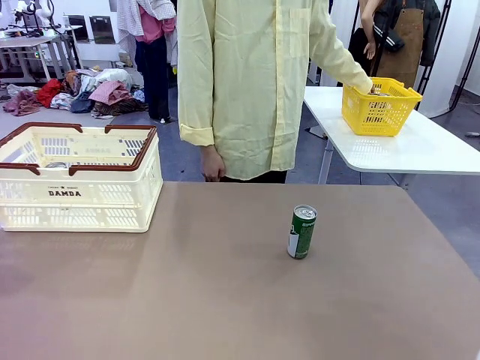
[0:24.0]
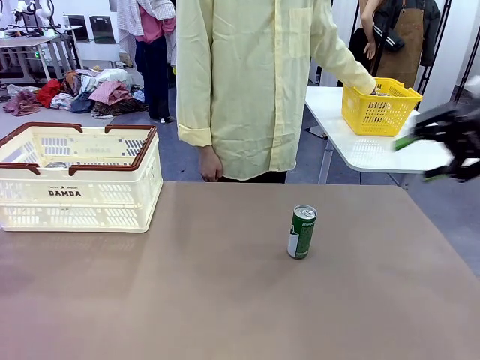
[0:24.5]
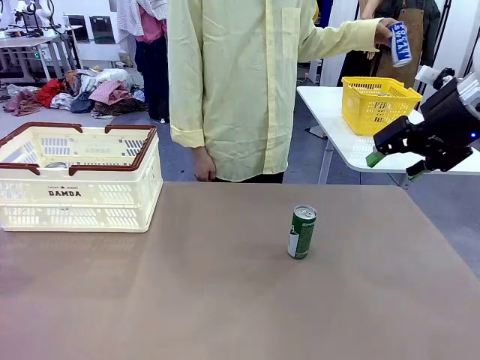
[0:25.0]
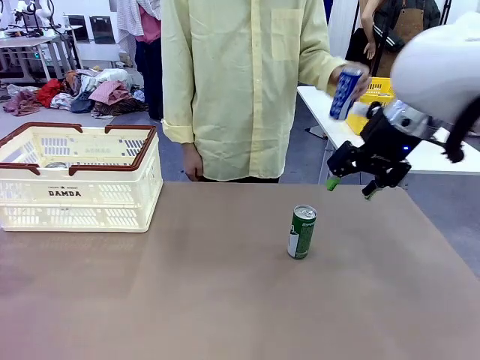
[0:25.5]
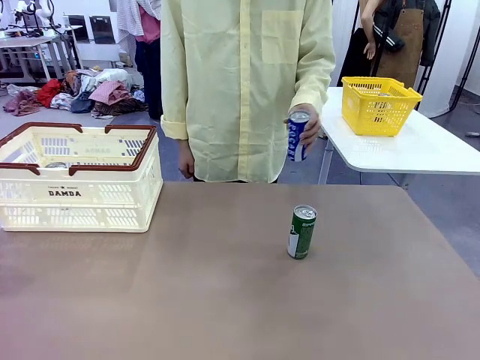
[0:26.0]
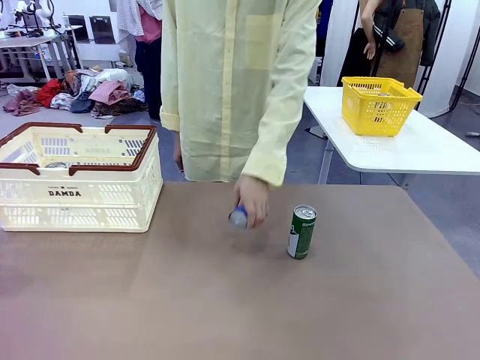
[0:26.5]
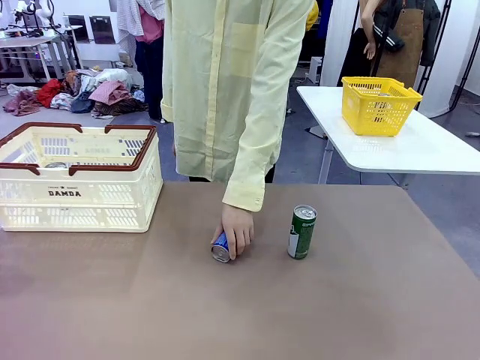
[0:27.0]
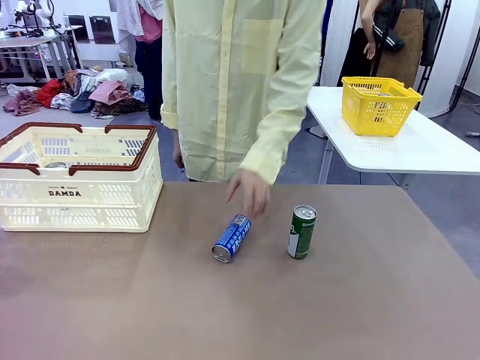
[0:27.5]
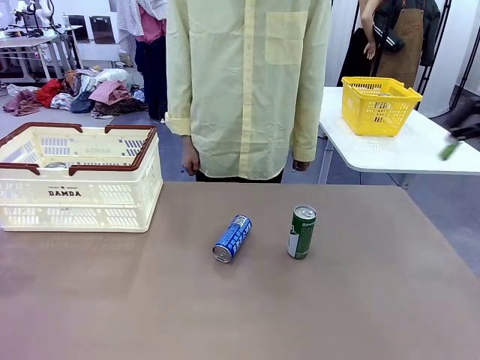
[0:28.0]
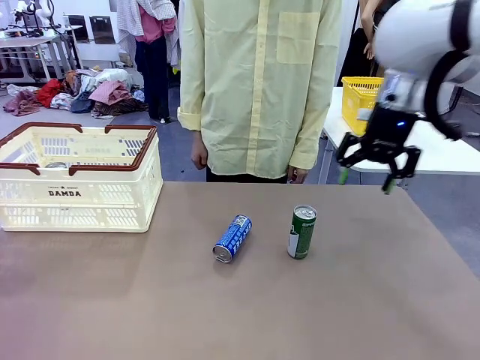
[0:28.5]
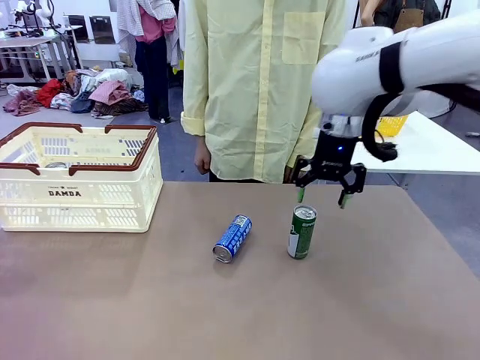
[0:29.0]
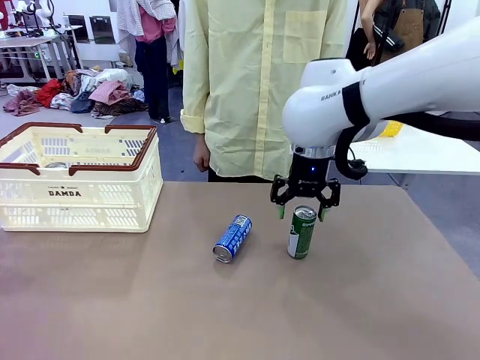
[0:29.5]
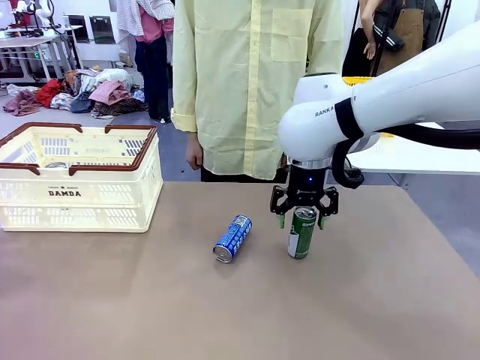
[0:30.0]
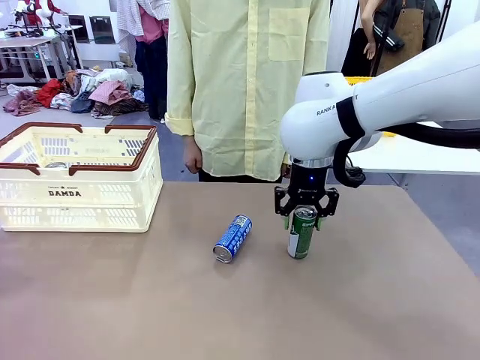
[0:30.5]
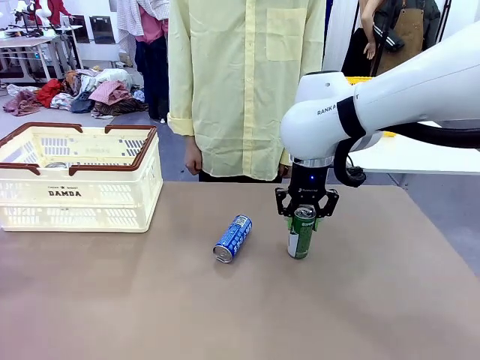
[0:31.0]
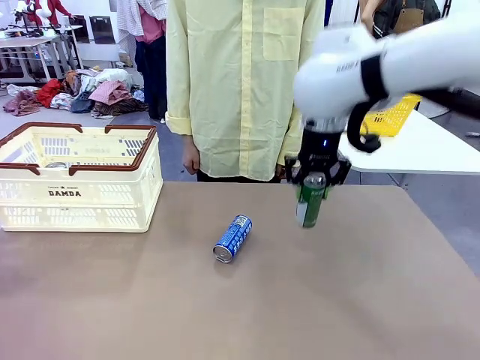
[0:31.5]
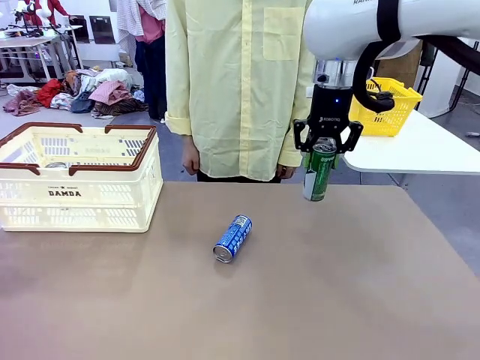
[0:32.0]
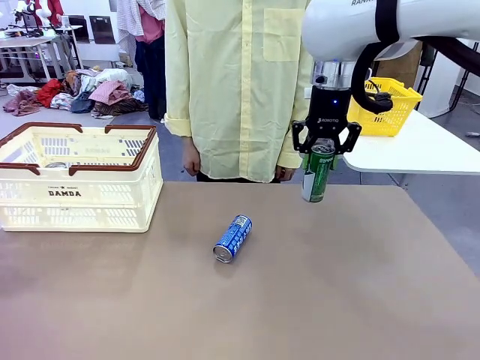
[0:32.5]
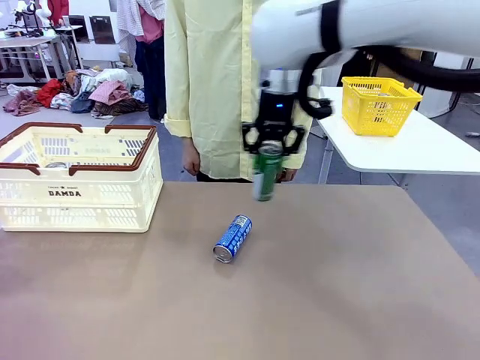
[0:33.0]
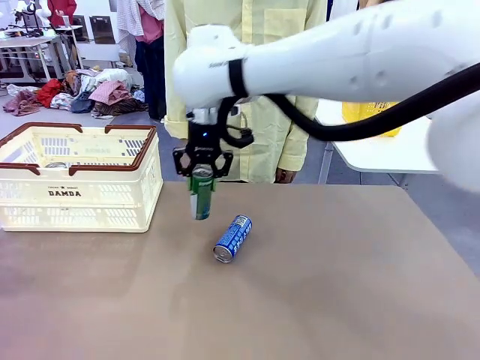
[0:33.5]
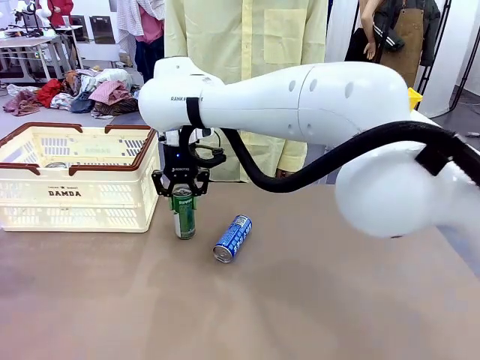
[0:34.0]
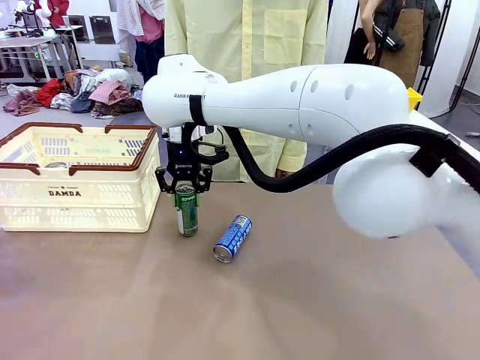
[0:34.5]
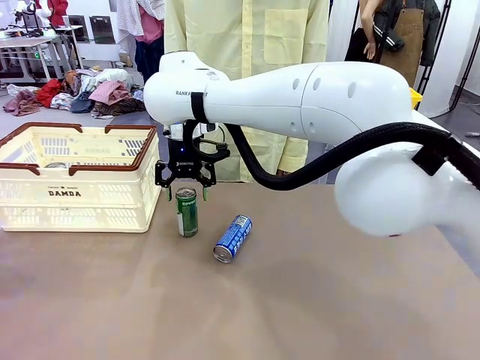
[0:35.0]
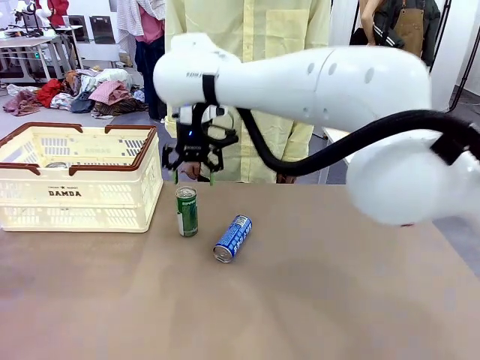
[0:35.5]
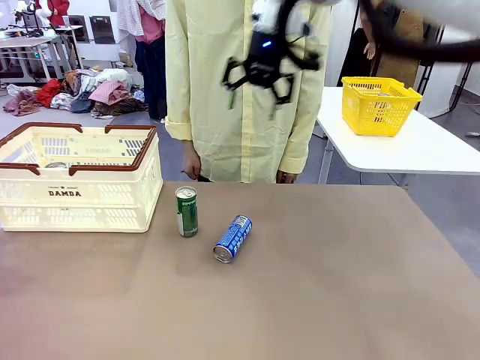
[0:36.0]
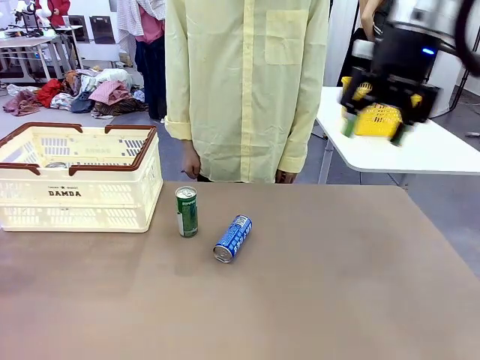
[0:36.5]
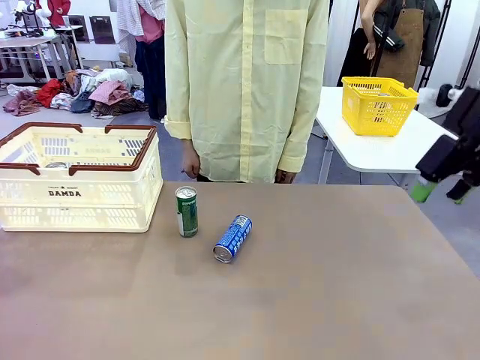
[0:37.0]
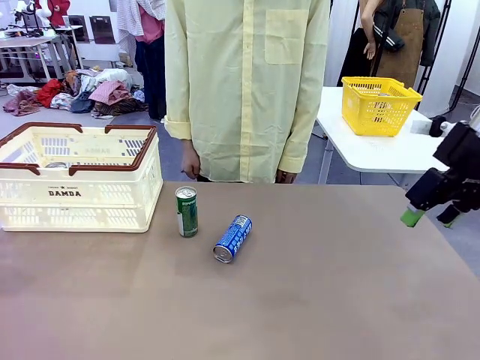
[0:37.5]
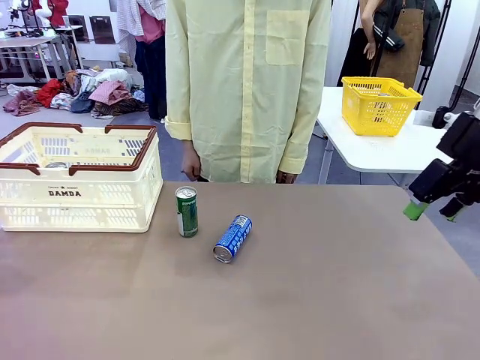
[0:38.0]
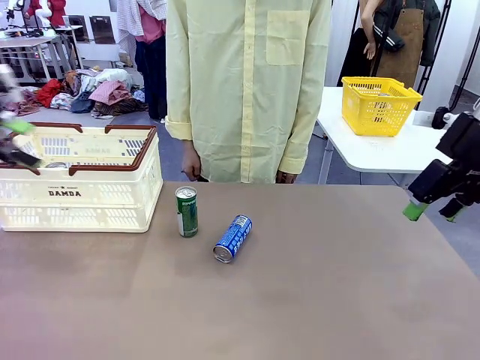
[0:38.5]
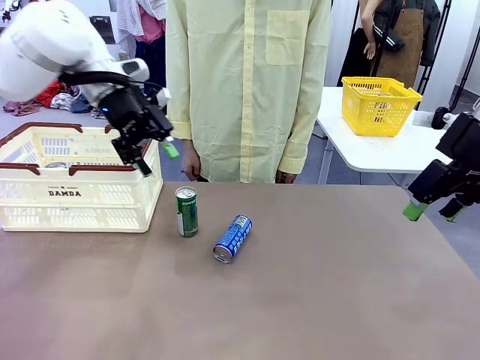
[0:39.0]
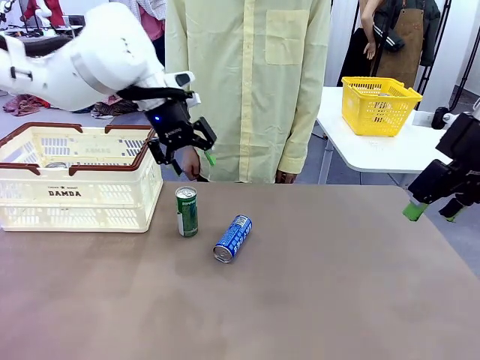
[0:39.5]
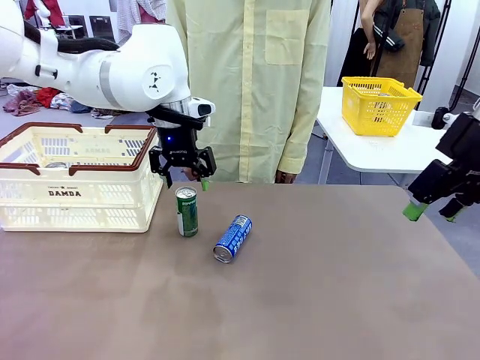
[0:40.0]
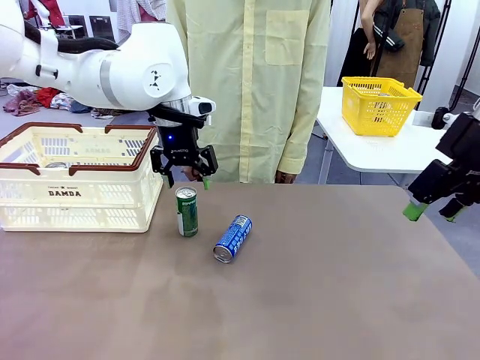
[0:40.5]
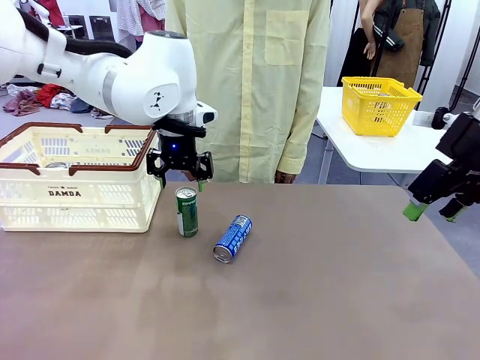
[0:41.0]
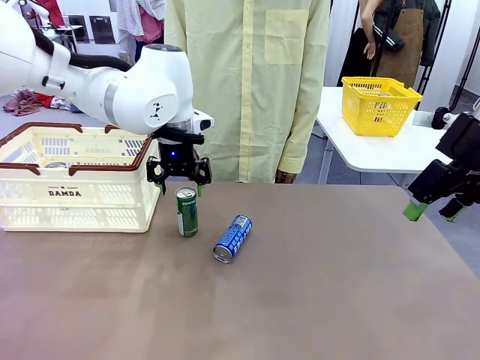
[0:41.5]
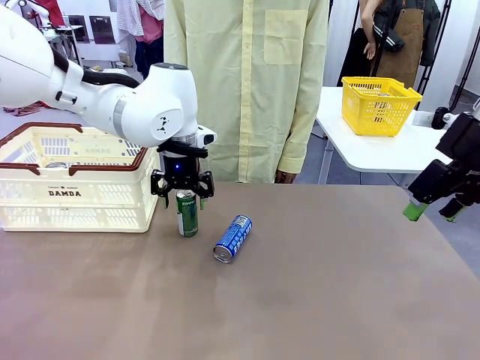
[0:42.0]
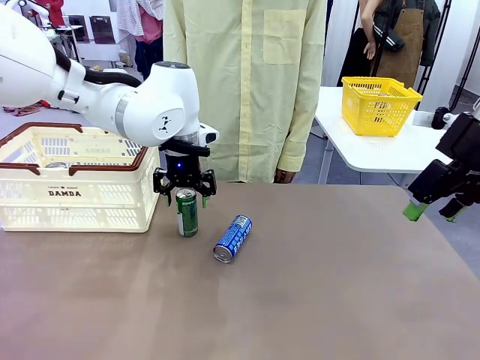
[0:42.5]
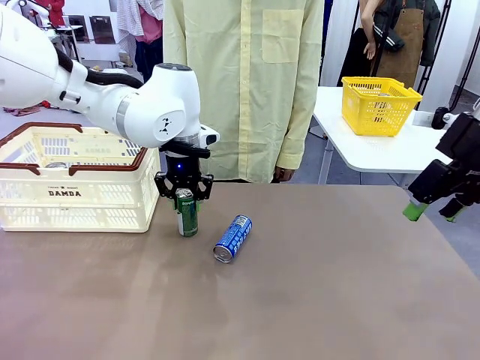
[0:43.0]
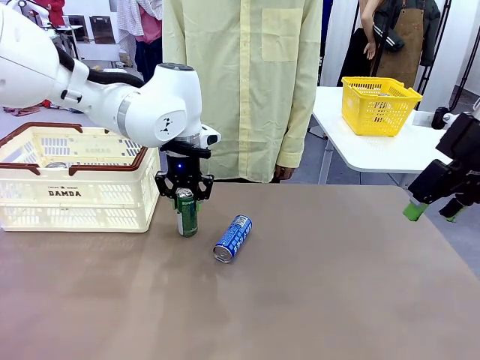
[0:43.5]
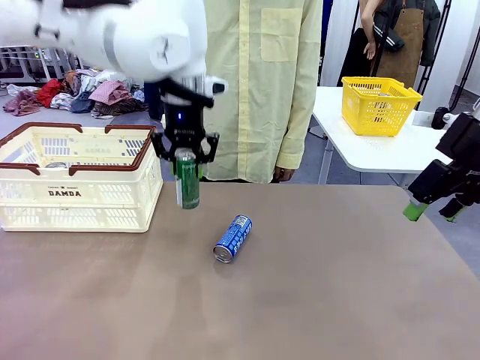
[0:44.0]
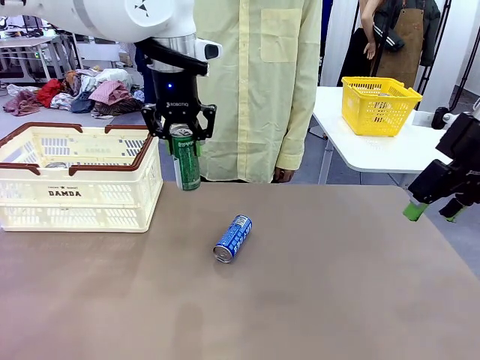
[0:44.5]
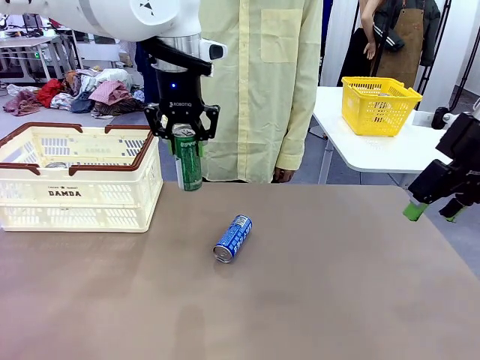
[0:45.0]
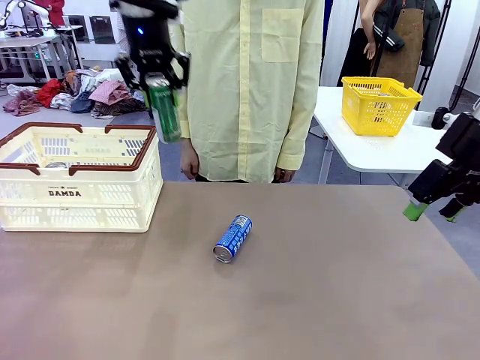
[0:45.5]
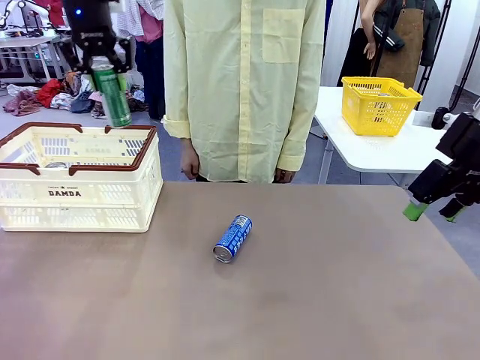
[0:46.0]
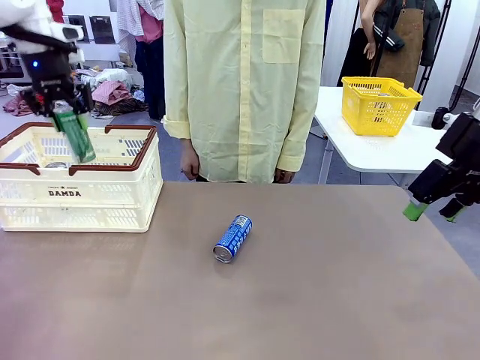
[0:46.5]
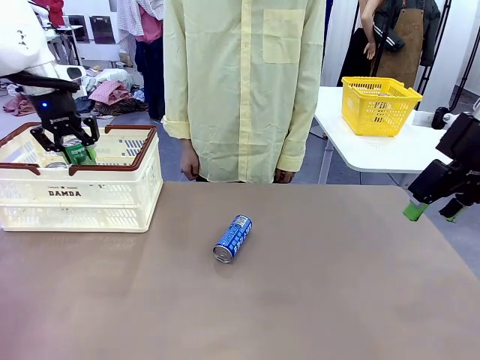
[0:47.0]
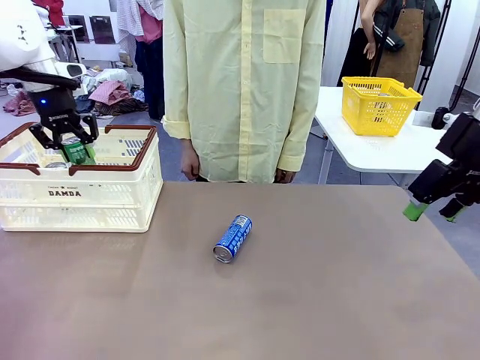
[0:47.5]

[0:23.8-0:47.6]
Task: Place the drinks into the Shopping basket.
Robot: Pick up one drink and place it into the Shopping basket.
